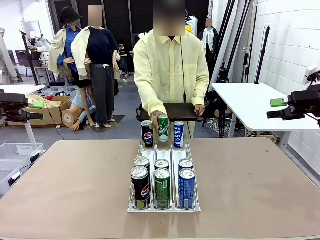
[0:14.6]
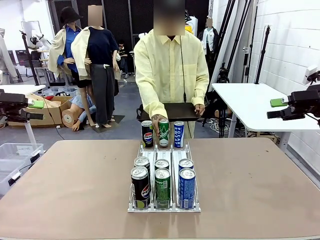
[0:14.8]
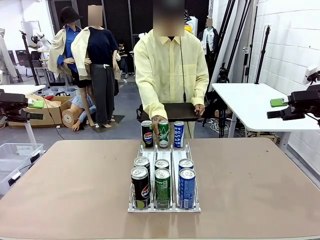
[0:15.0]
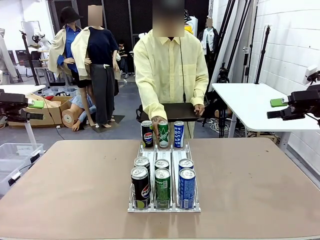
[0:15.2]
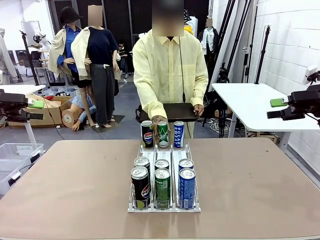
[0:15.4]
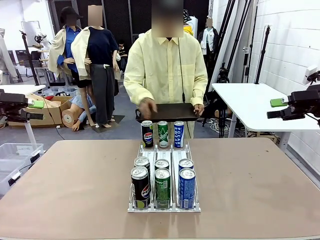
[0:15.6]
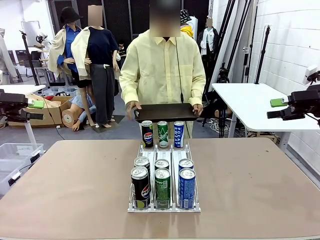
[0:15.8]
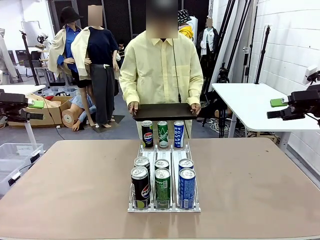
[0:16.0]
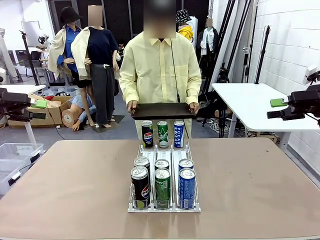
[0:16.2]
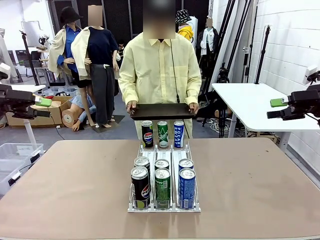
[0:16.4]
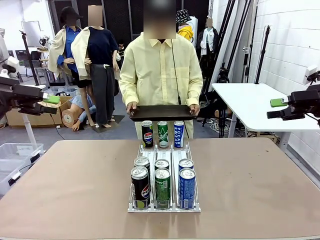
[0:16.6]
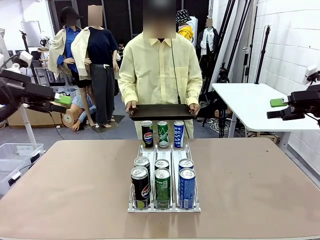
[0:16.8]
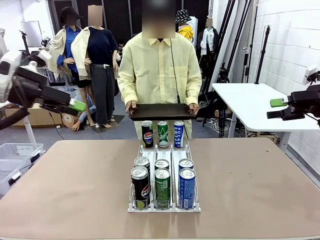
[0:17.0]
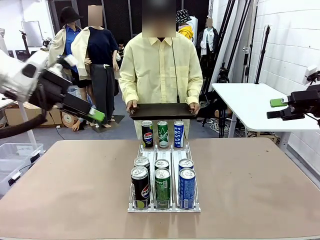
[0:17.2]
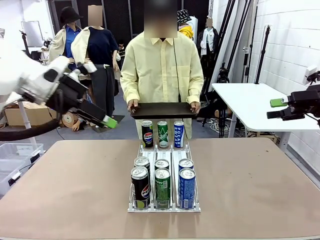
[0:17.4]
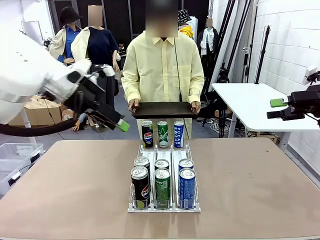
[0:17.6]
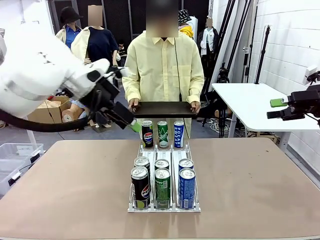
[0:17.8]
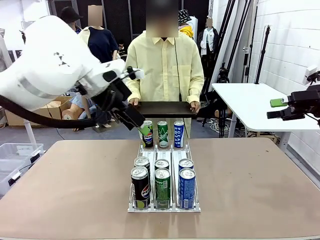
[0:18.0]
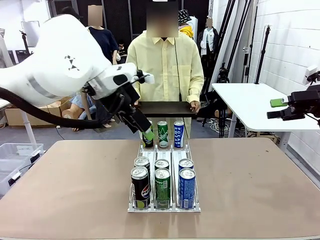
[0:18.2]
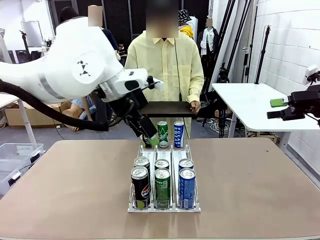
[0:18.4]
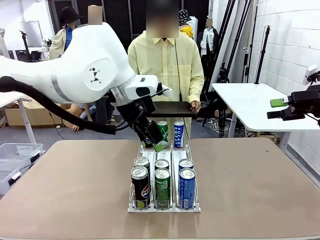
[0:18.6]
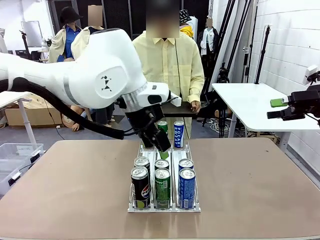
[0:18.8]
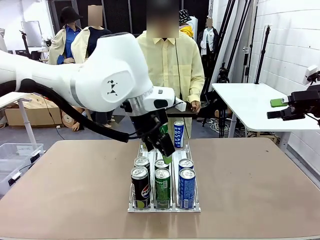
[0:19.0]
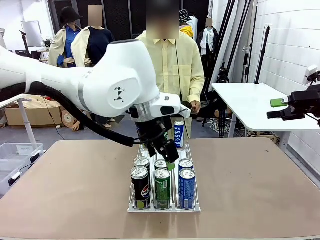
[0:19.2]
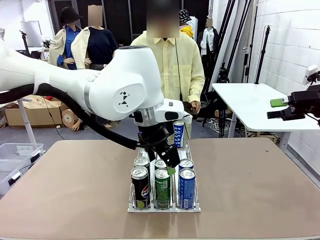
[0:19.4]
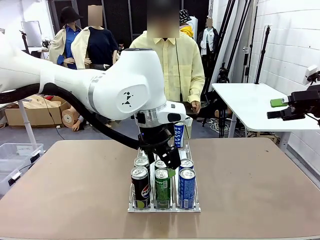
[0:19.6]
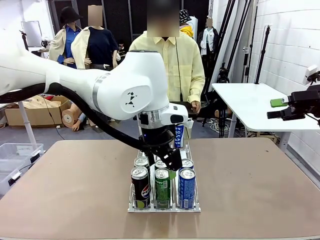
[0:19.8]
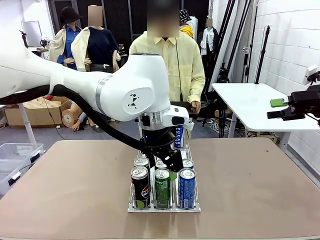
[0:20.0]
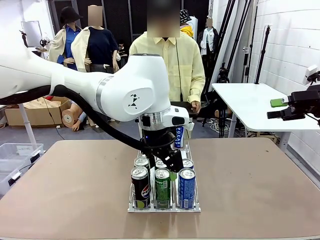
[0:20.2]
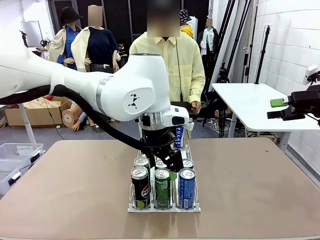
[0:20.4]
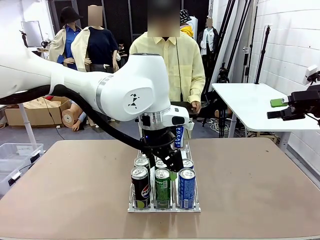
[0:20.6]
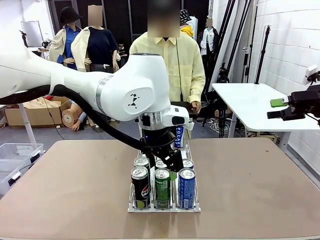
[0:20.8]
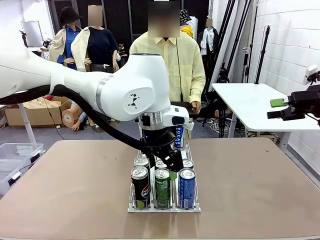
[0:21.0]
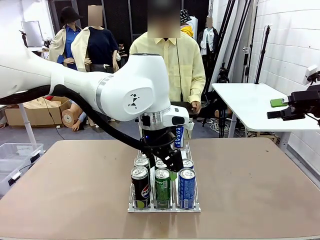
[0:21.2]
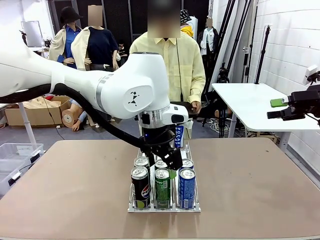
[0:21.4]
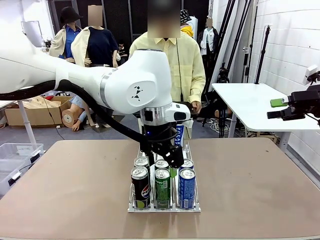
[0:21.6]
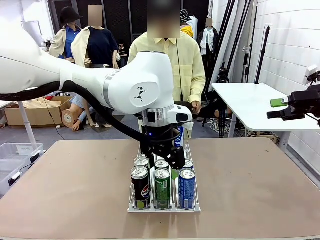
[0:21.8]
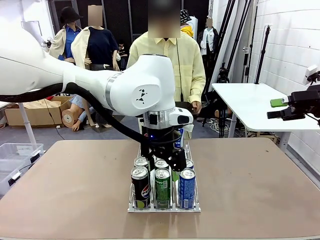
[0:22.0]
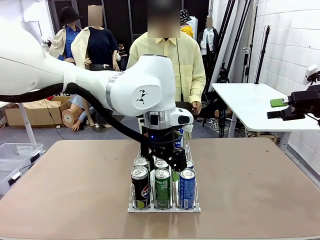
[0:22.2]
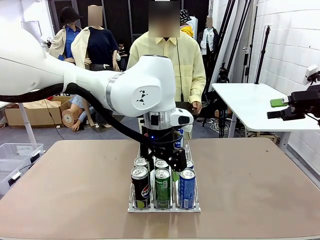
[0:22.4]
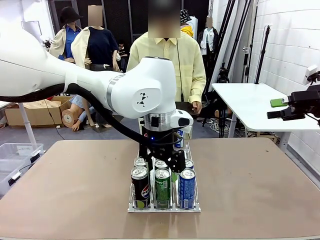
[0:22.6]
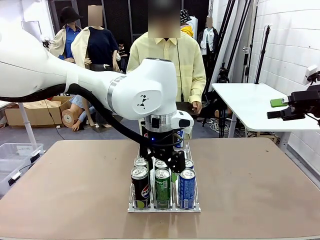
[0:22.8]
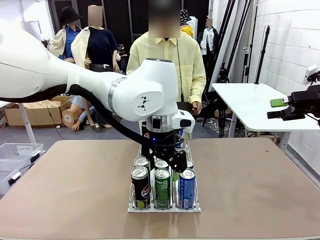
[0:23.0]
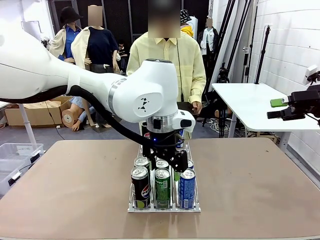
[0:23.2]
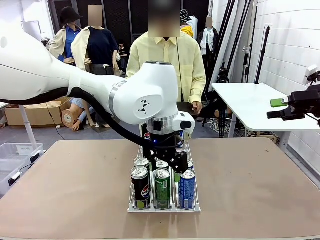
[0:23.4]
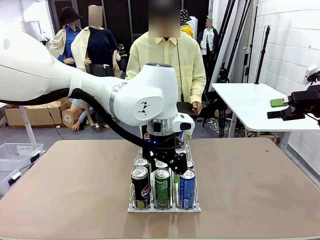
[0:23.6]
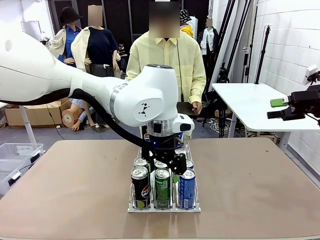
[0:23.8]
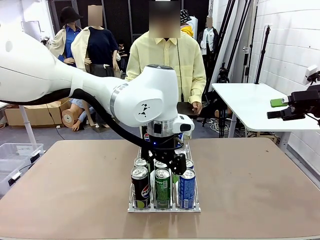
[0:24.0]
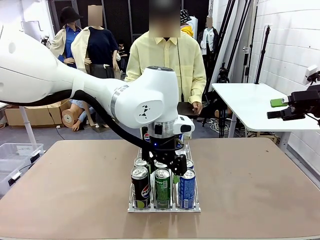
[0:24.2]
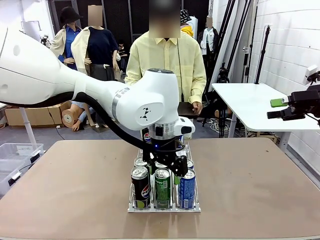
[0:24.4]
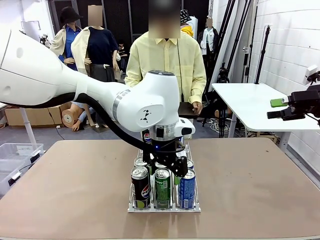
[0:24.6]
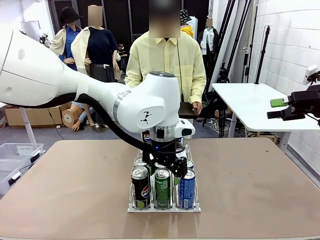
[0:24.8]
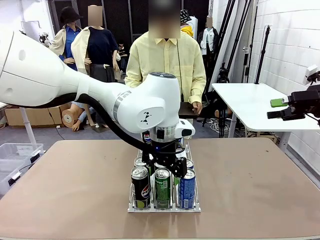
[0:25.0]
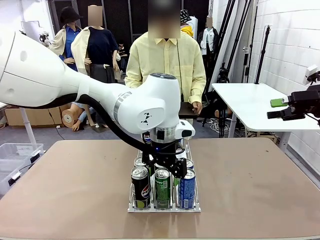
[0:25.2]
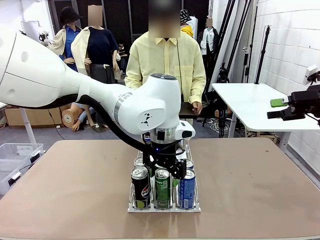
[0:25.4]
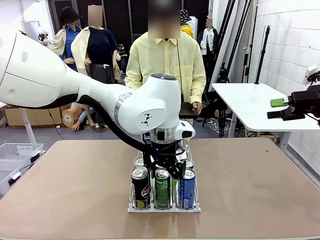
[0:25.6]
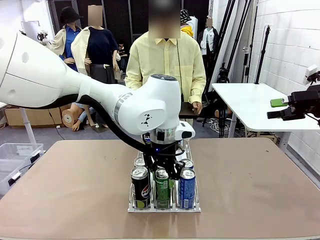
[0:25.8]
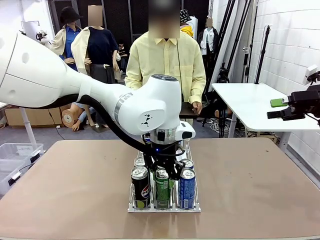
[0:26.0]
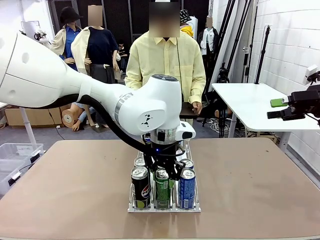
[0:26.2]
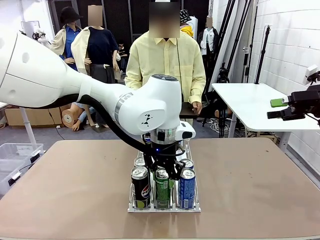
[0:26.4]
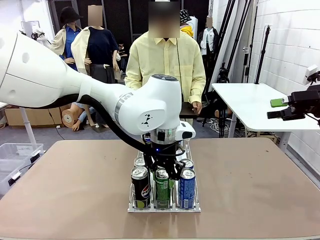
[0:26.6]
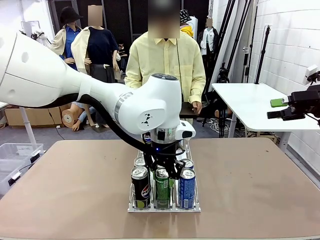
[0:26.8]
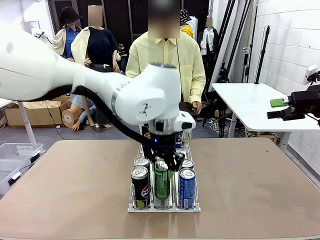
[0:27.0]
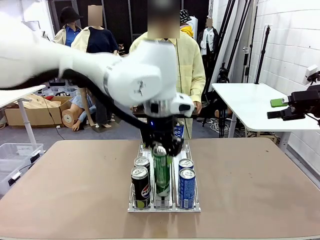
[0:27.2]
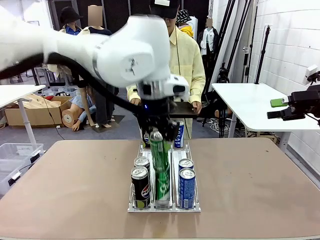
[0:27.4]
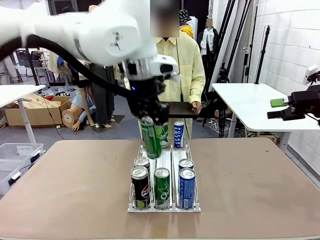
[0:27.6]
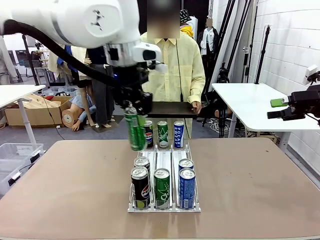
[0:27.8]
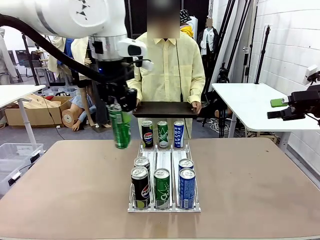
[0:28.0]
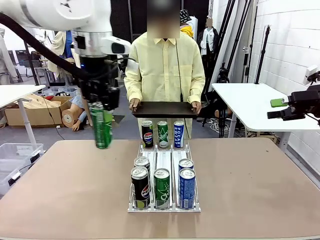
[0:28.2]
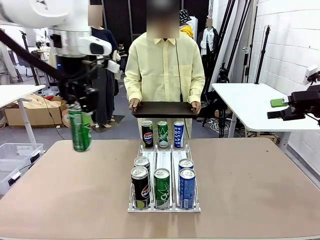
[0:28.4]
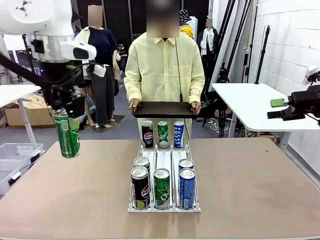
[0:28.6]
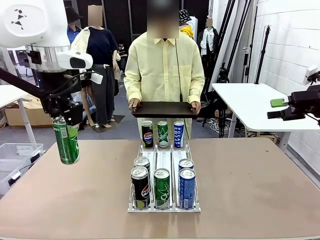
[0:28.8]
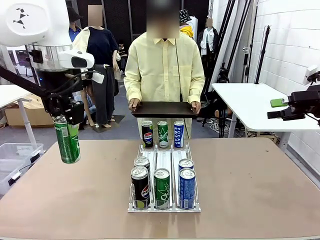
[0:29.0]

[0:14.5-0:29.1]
Task: Retrieve and hand over the desired beverage to the person.
Robot: Pick up a can of the same type that the person held from the Automatic Can Dispenser.
Person: Push the tray toward the robot.

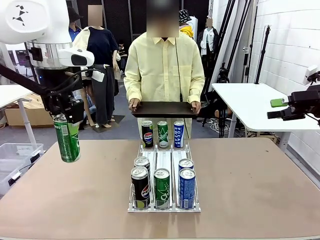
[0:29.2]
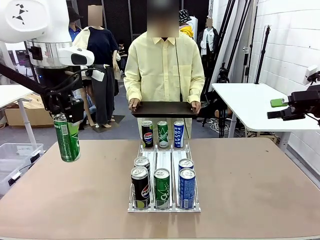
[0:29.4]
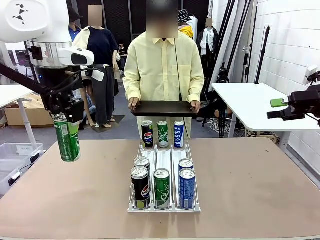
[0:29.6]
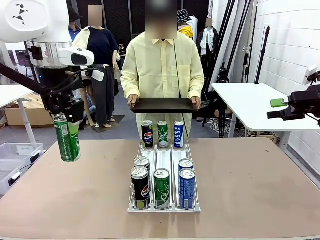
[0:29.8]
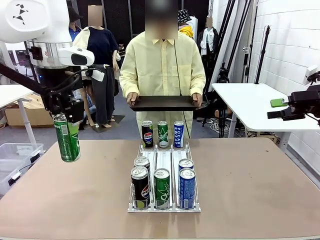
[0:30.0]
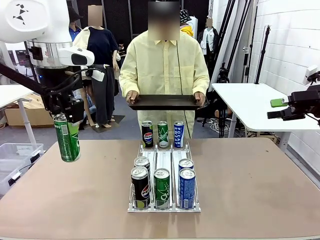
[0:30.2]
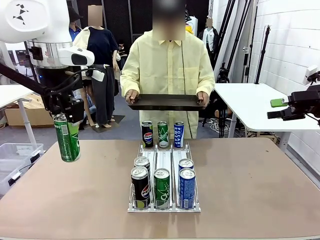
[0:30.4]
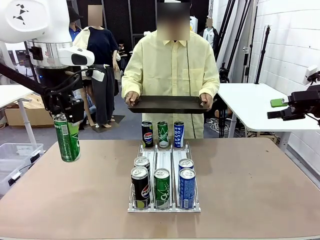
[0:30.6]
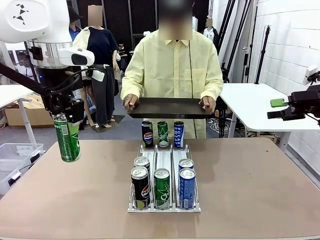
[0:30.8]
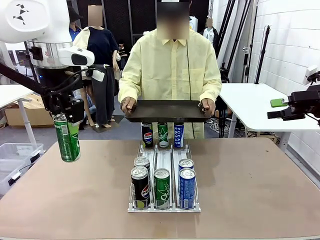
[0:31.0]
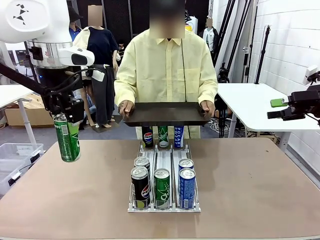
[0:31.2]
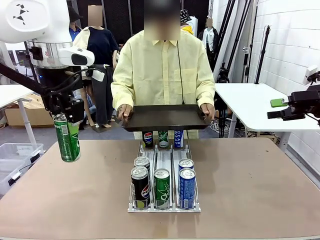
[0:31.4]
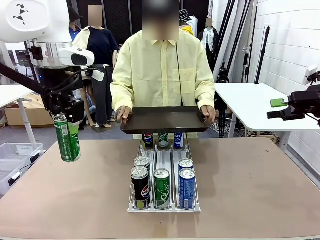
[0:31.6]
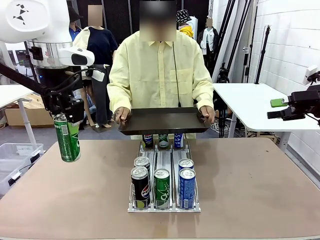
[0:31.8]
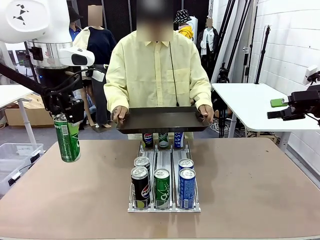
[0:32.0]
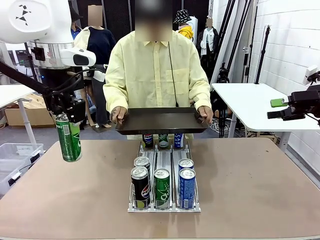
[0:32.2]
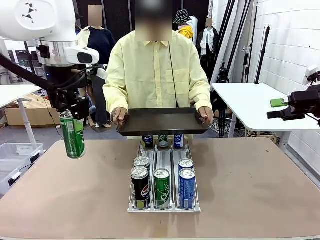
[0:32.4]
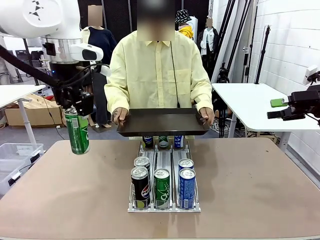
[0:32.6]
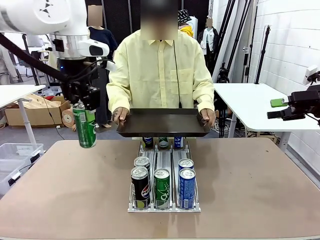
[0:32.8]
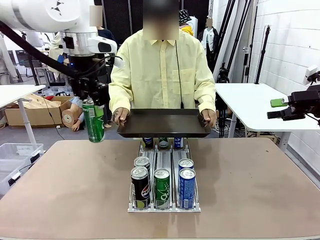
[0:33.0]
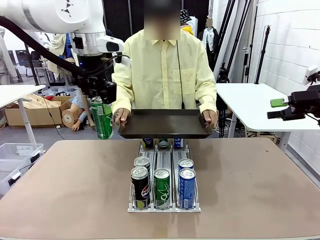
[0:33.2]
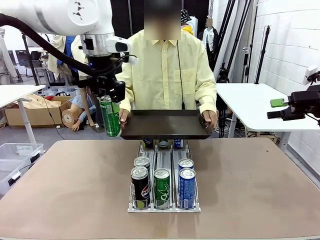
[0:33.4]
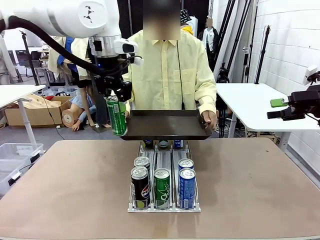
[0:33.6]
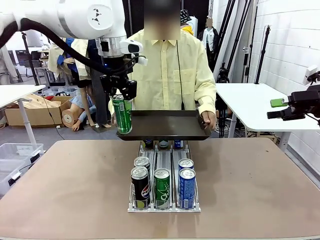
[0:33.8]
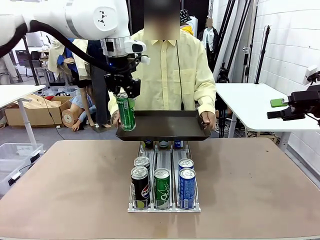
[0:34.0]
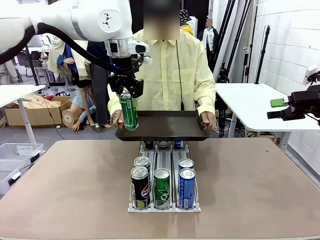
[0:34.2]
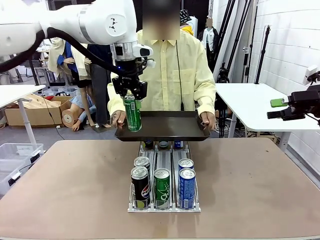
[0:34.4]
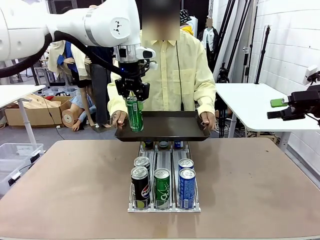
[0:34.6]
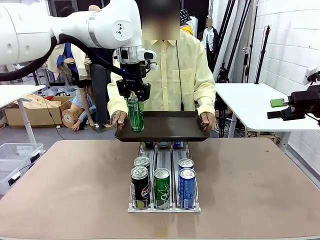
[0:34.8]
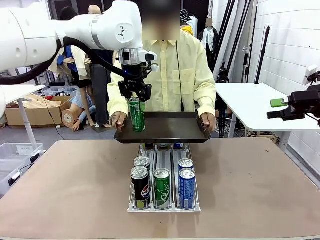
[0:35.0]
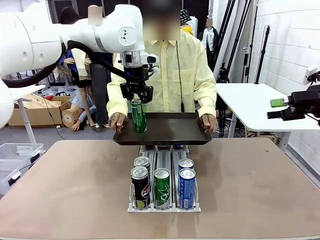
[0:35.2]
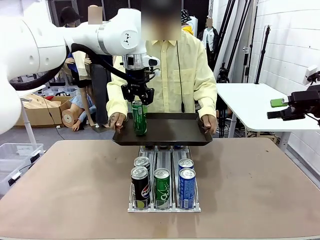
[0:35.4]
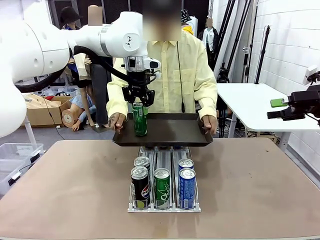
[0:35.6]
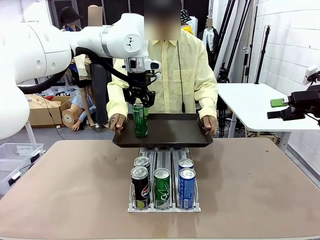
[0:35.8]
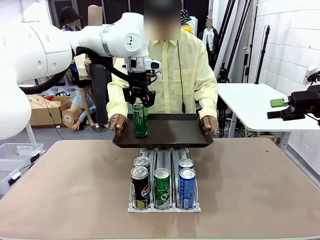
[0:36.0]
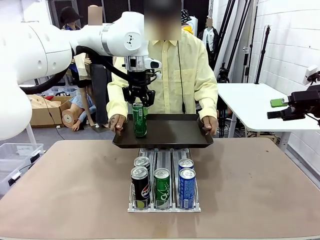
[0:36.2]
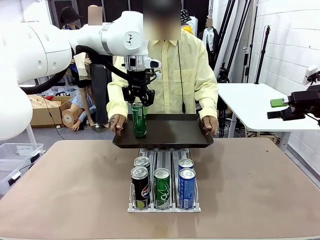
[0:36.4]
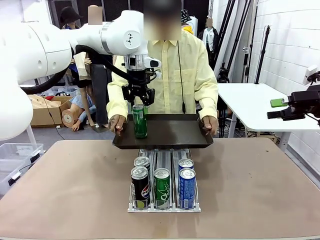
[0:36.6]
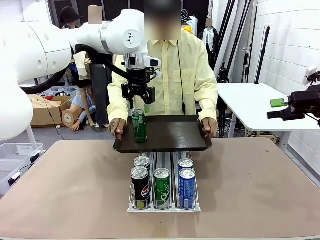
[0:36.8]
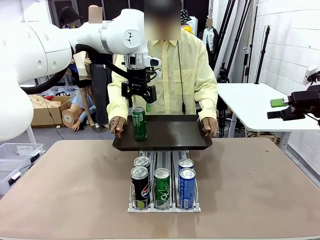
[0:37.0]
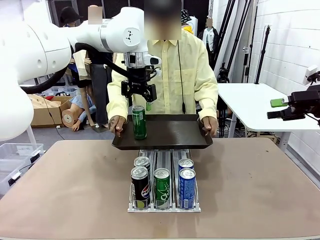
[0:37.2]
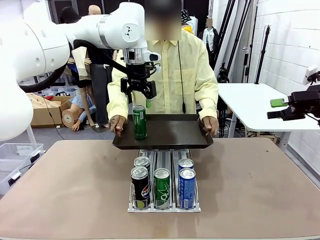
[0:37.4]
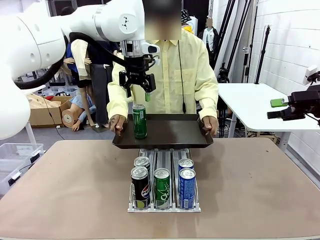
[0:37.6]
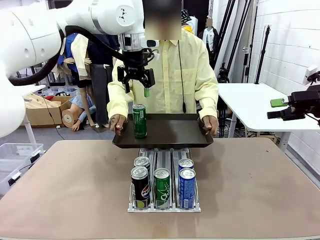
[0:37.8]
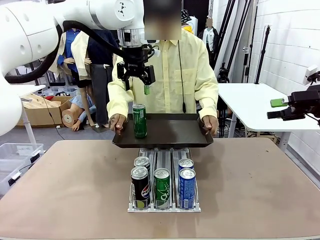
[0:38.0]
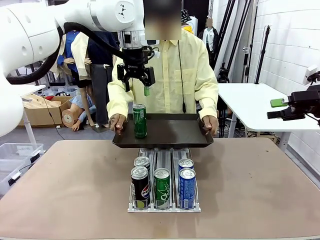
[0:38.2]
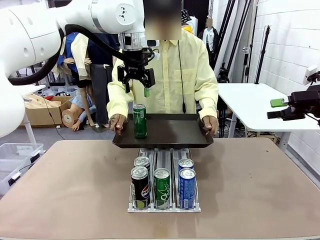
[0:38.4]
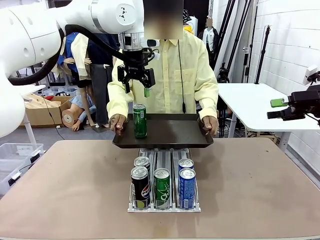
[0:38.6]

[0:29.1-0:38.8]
Robot: Place the picked can on the Handle tray extended by the person.
